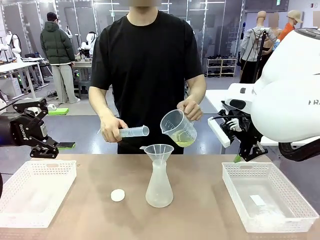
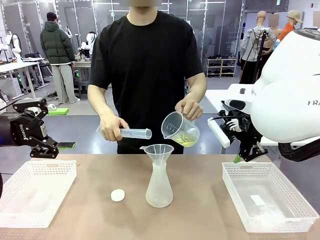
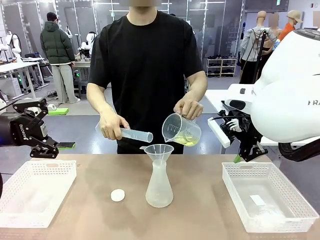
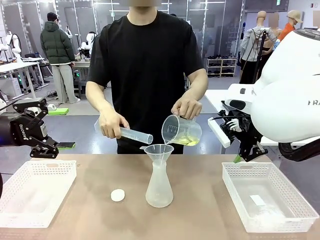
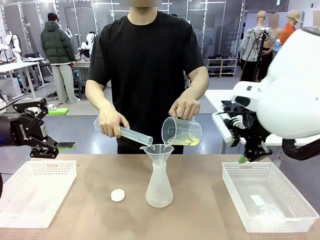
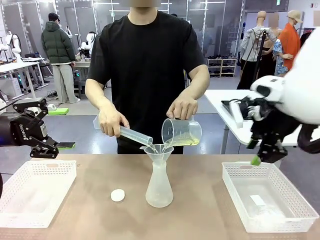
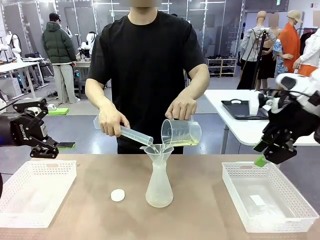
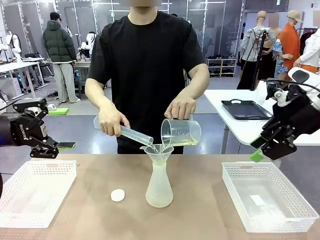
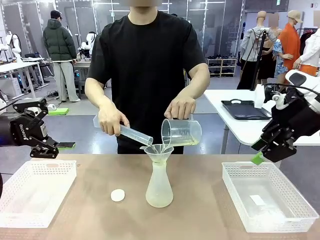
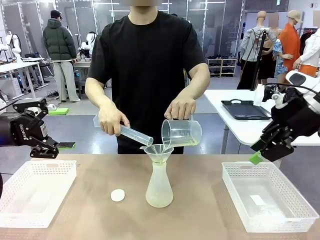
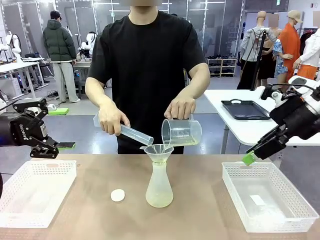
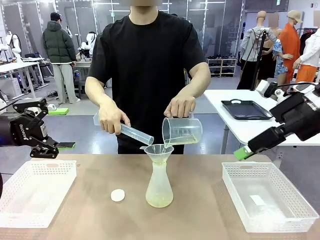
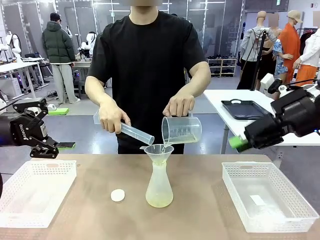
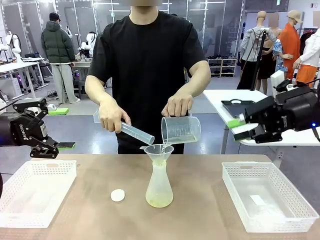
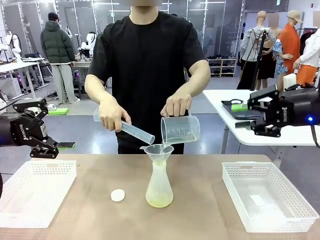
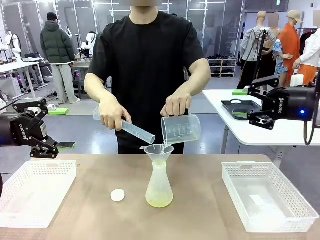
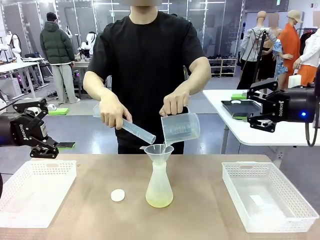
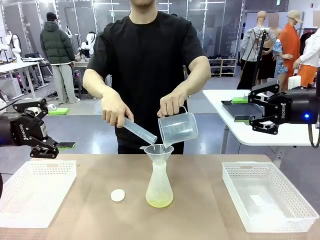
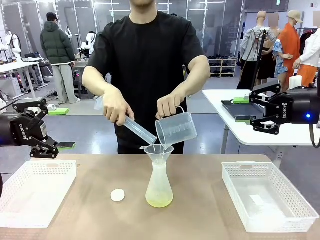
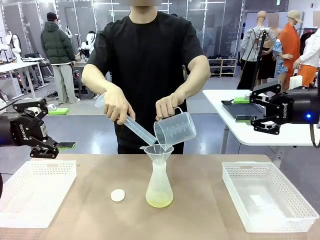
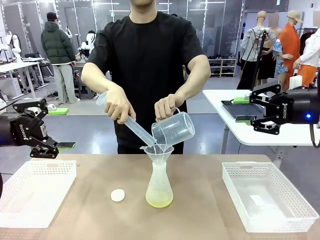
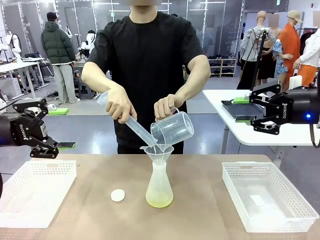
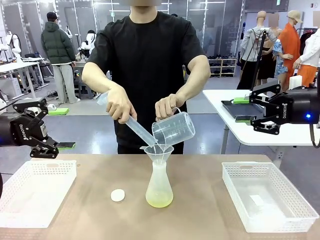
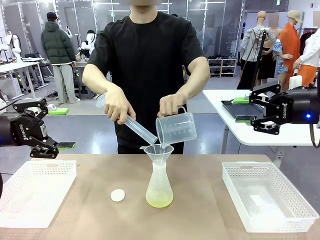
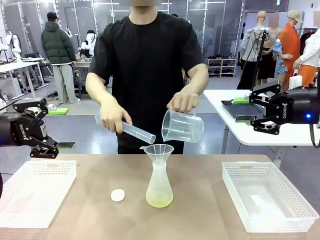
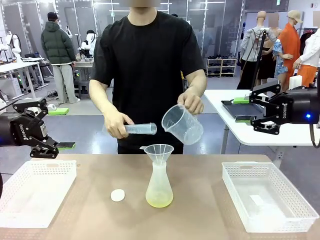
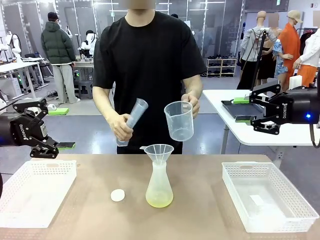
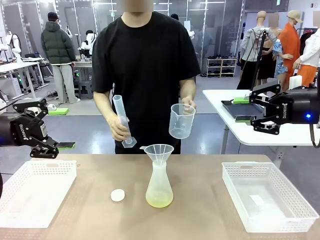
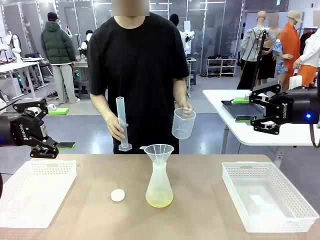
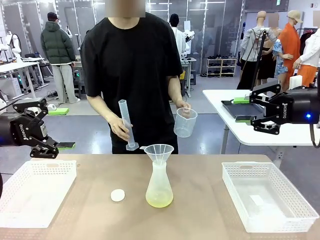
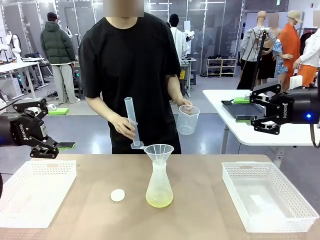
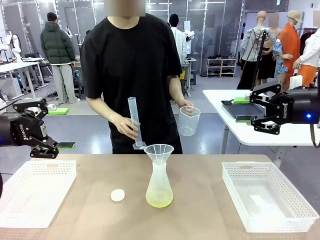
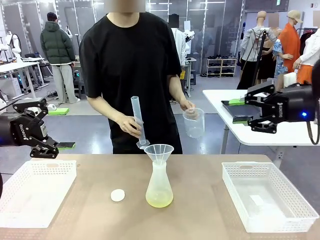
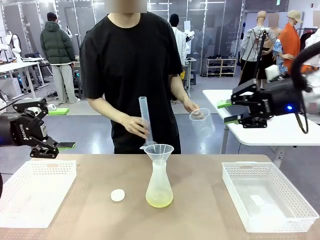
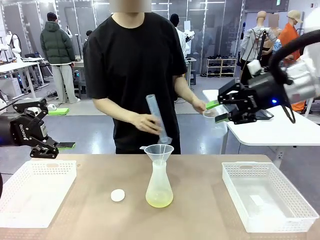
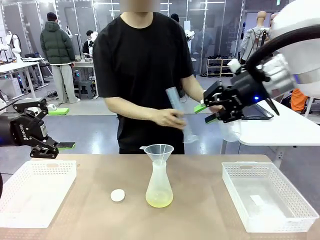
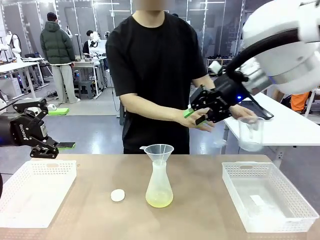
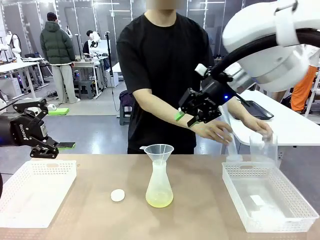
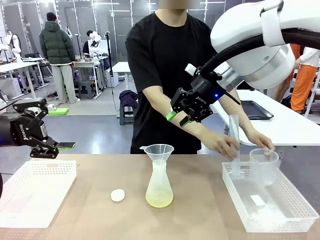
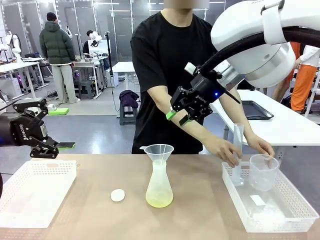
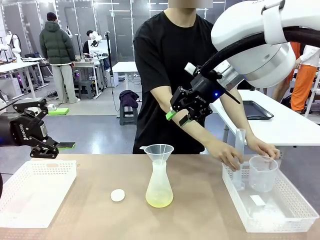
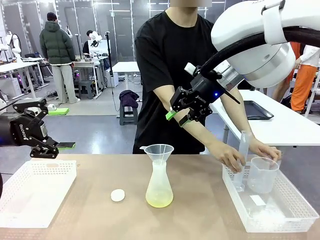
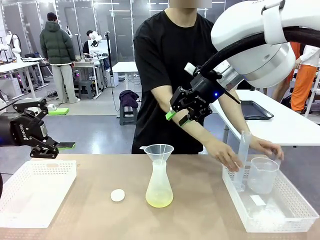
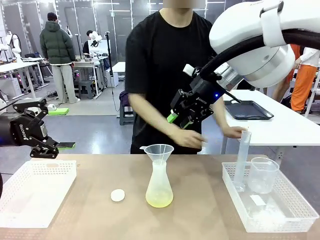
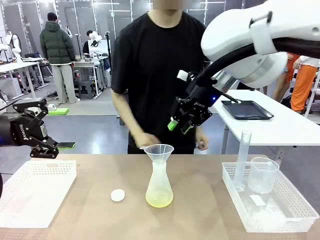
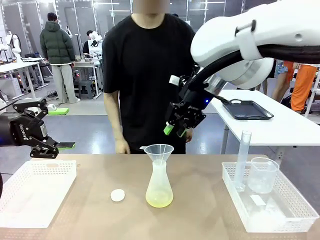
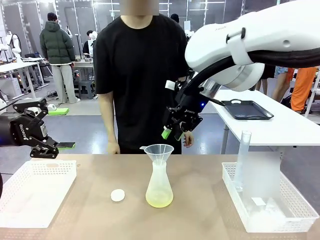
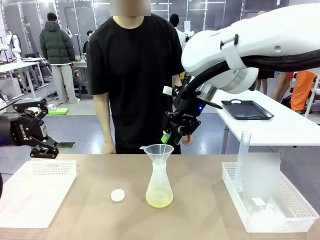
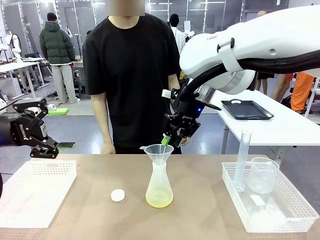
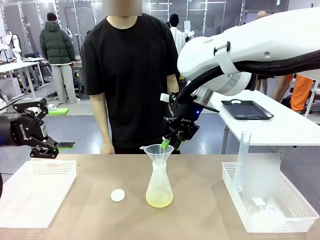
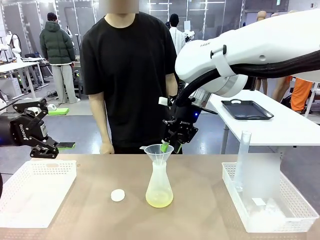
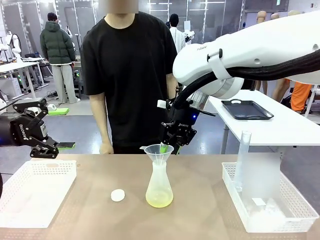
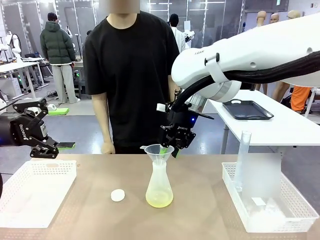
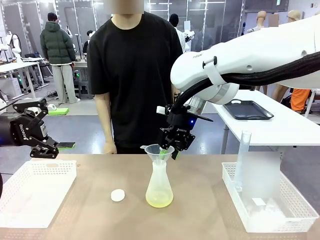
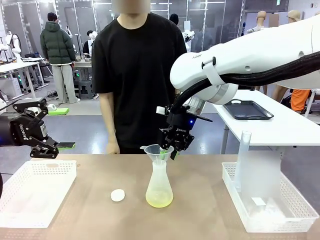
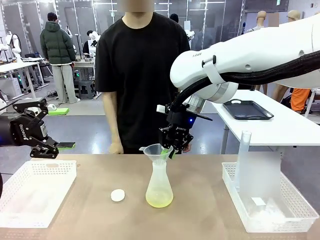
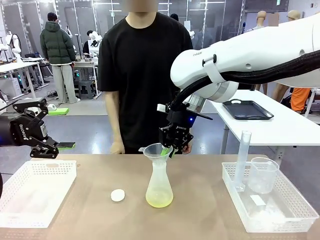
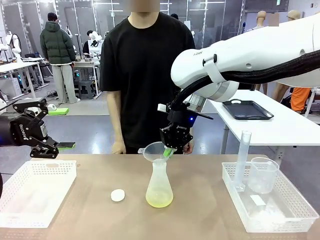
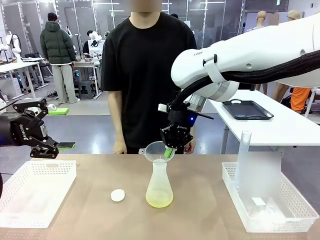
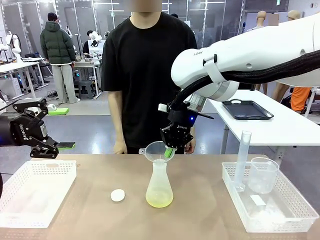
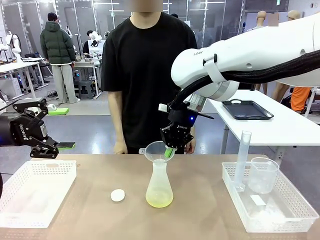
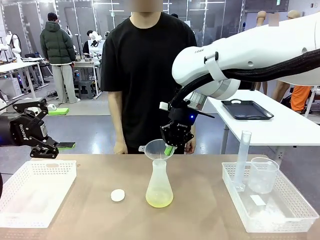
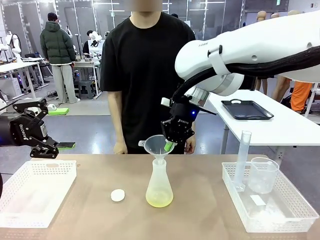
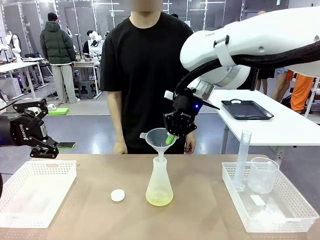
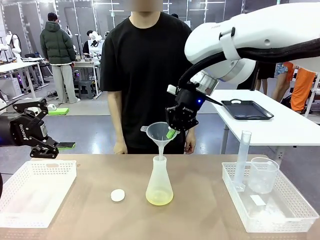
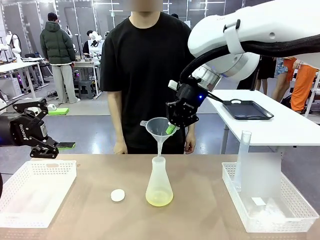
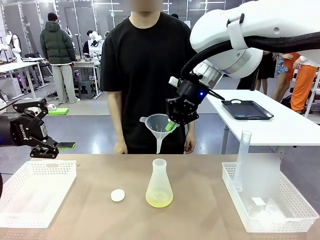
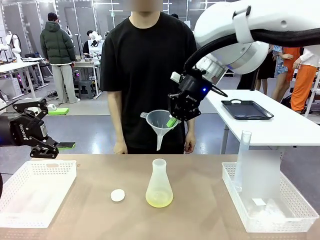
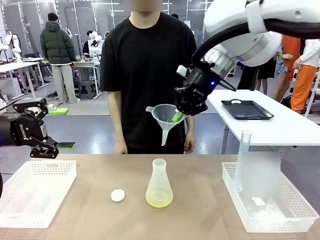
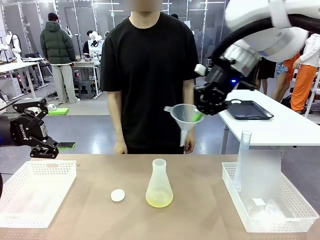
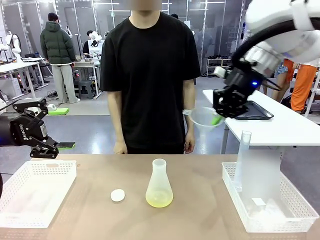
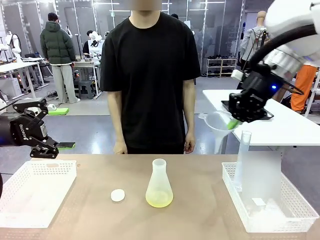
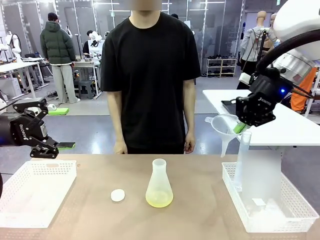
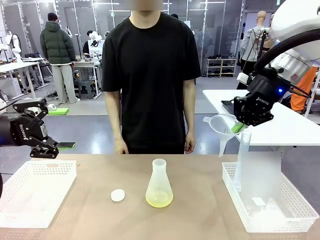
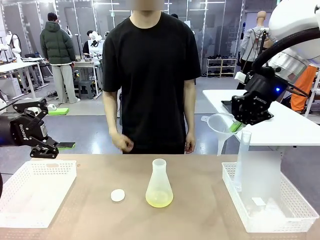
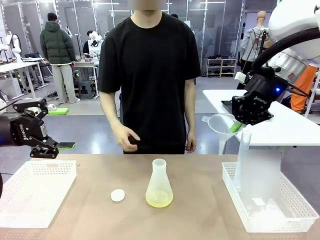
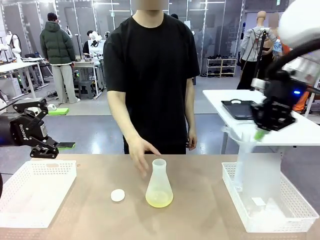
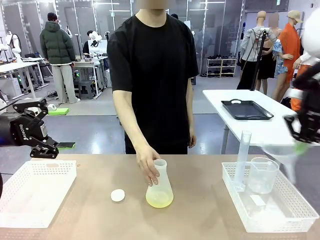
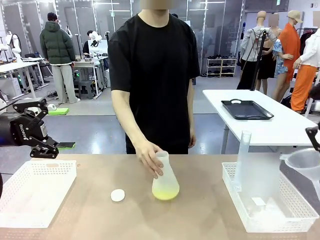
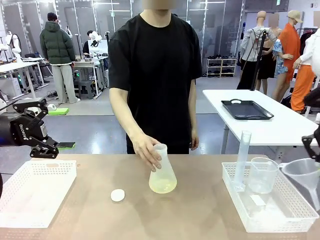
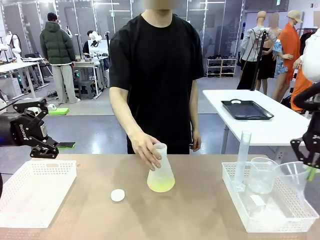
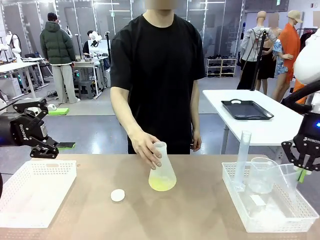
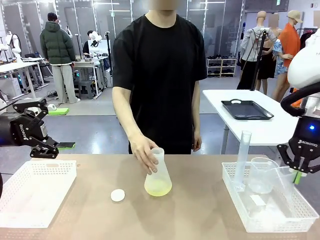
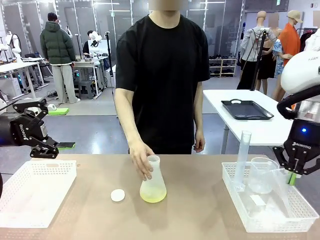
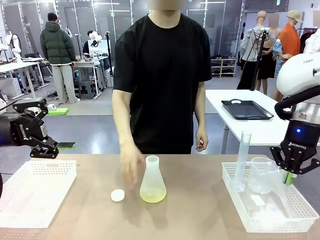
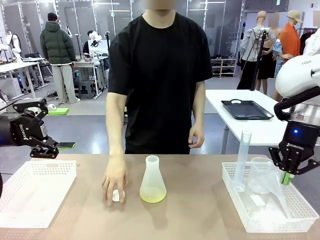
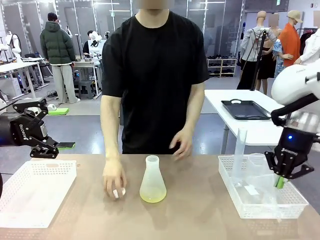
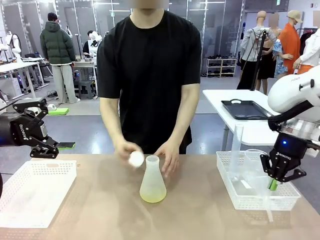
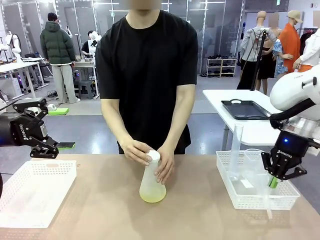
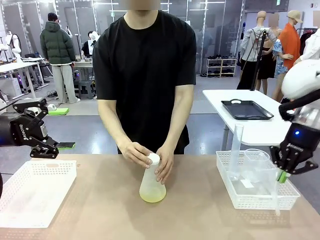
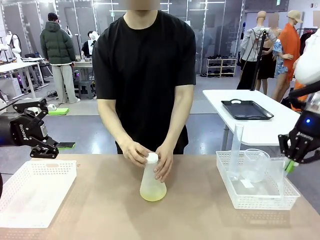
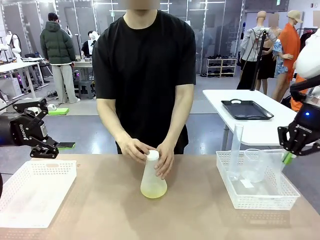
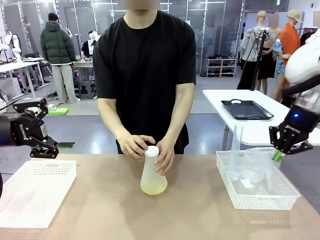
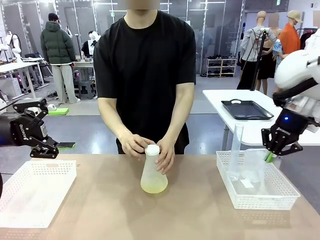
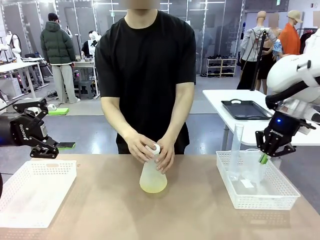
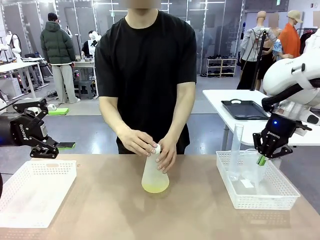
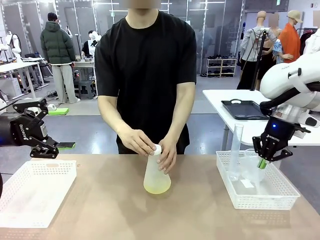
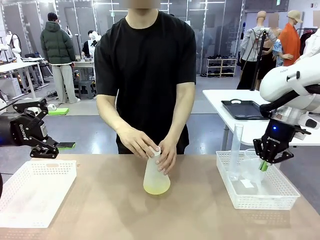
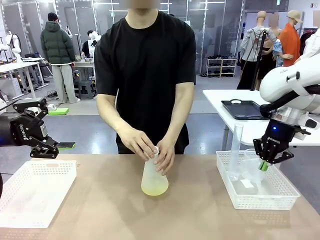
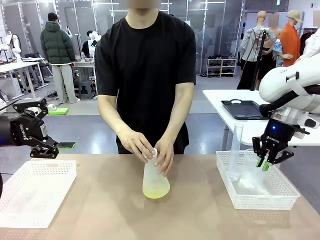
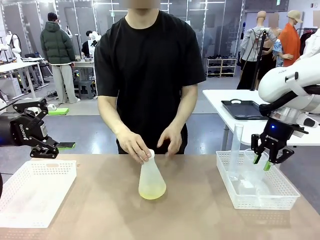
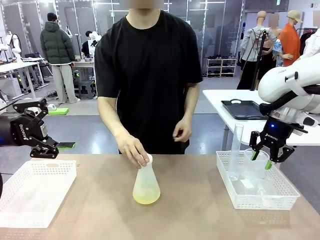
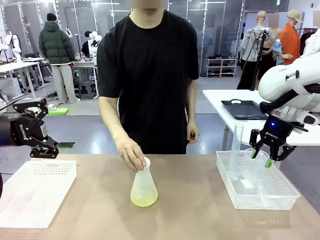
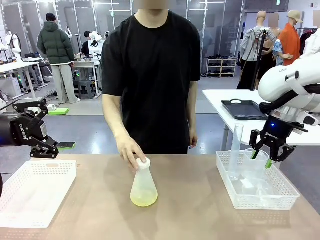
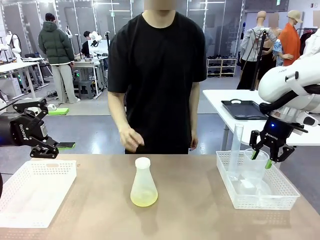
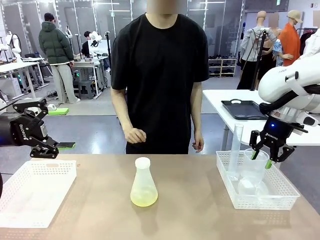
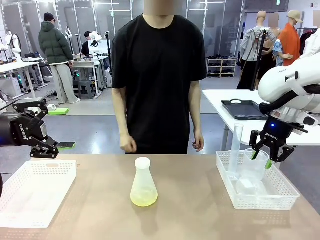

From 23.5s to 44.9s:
Task: Prepare the solutions needed for the experiment.
Robot: Once the solution is in the Big flask , pick up the Plastic Funnel and place it back into the right Organizing basket.
Person: Place the beaker and the cylinder into the organizing basket on the left side. Pick up the flask, gently shake it 2–3 times, place it in the middle of the robot table, and close the lid.
